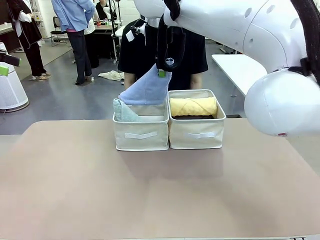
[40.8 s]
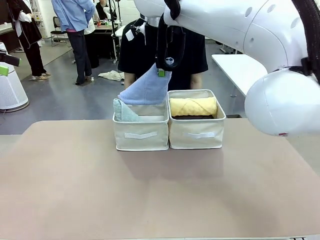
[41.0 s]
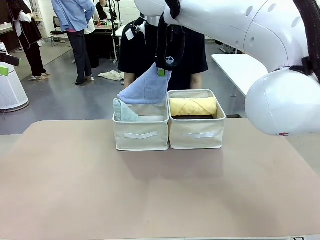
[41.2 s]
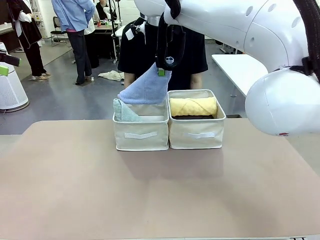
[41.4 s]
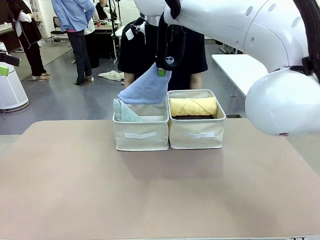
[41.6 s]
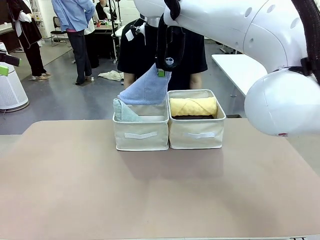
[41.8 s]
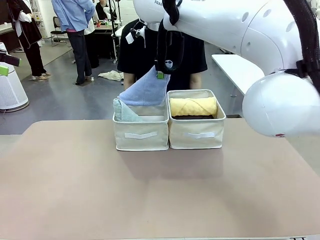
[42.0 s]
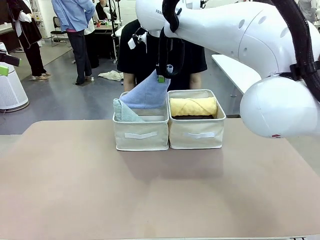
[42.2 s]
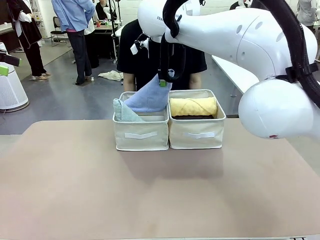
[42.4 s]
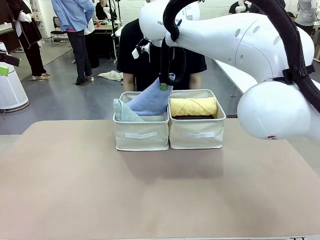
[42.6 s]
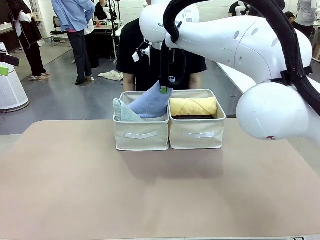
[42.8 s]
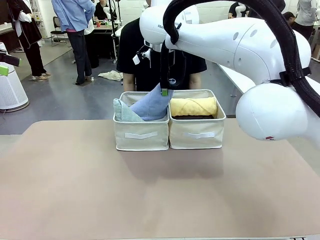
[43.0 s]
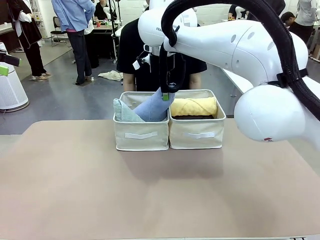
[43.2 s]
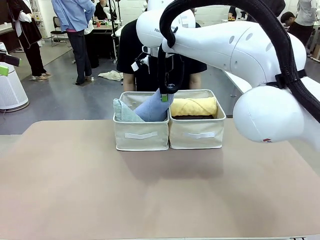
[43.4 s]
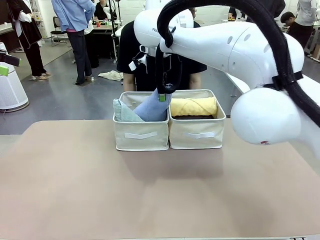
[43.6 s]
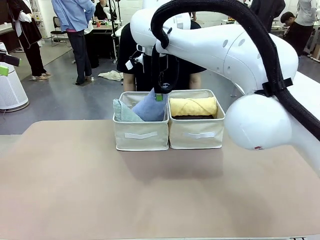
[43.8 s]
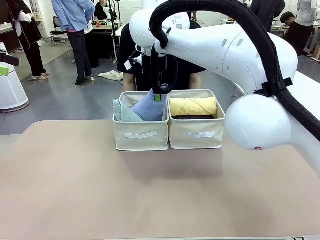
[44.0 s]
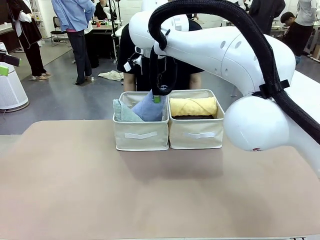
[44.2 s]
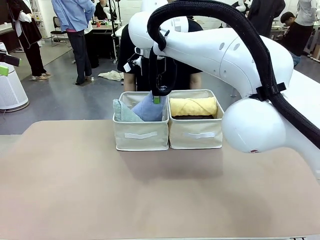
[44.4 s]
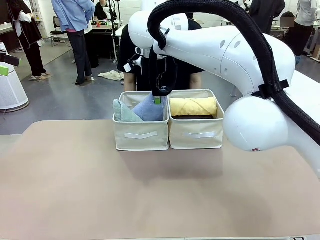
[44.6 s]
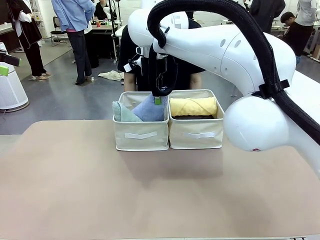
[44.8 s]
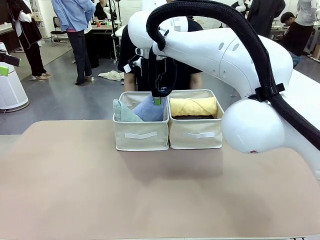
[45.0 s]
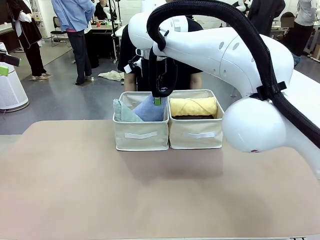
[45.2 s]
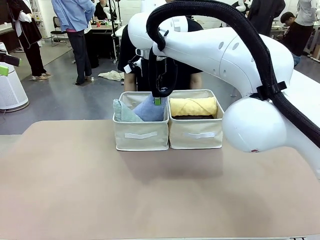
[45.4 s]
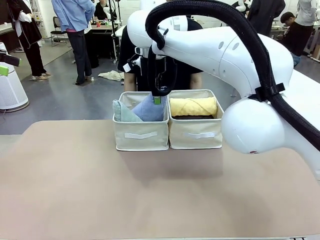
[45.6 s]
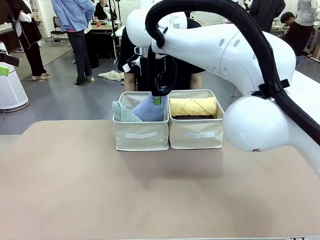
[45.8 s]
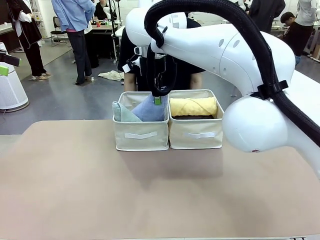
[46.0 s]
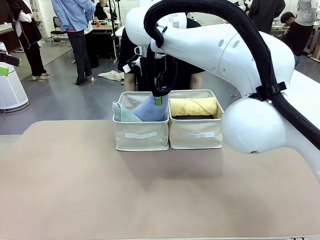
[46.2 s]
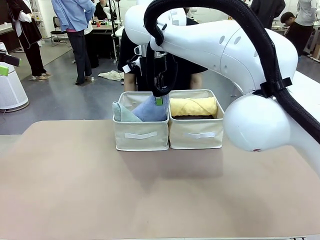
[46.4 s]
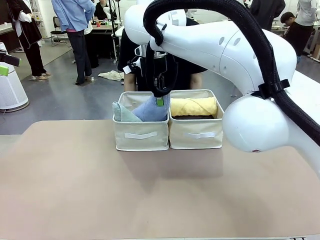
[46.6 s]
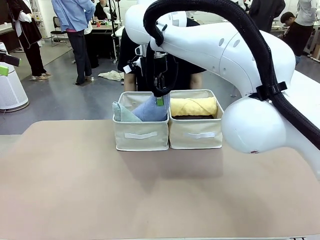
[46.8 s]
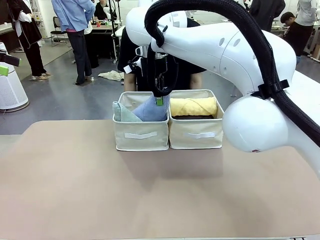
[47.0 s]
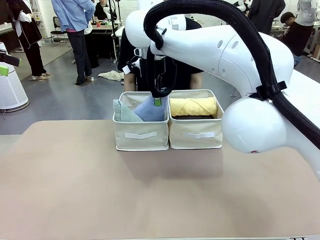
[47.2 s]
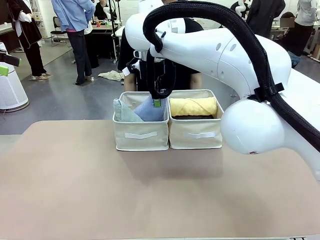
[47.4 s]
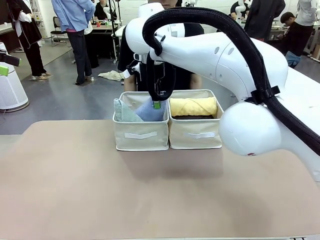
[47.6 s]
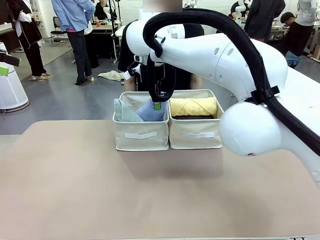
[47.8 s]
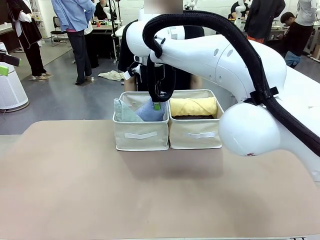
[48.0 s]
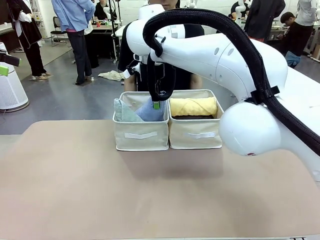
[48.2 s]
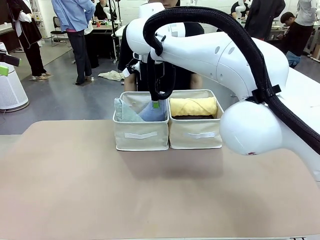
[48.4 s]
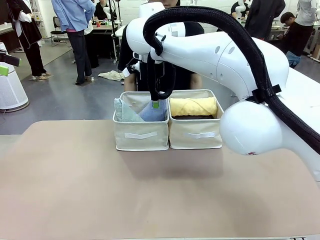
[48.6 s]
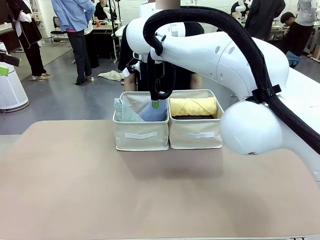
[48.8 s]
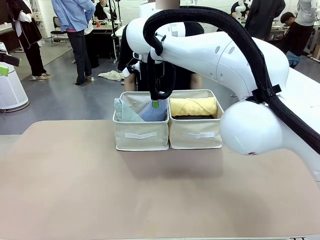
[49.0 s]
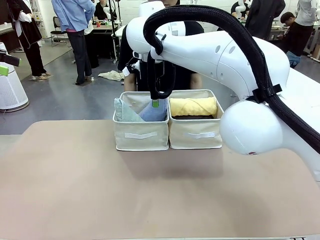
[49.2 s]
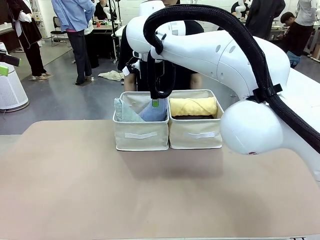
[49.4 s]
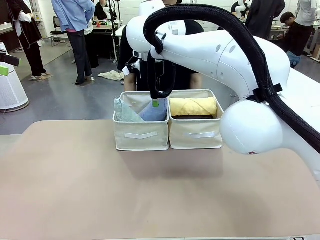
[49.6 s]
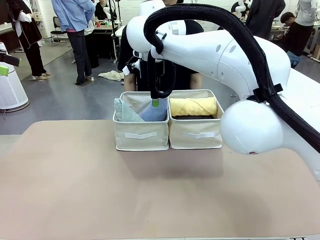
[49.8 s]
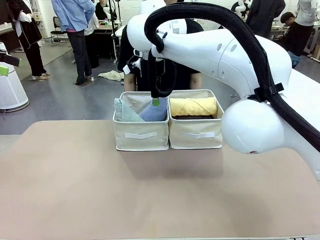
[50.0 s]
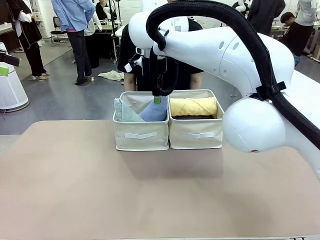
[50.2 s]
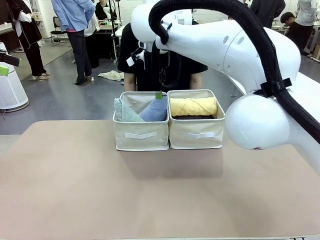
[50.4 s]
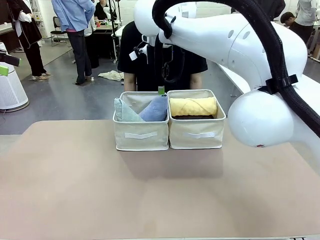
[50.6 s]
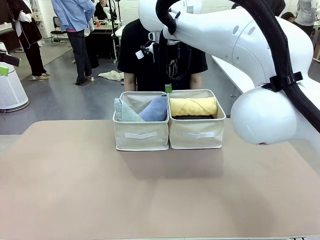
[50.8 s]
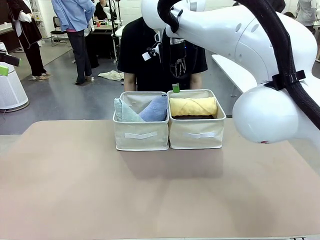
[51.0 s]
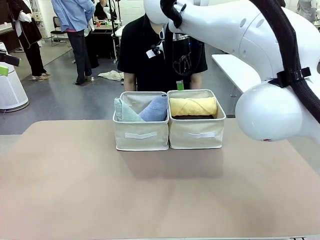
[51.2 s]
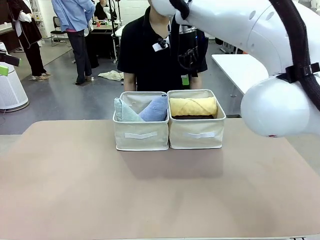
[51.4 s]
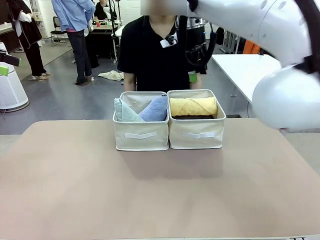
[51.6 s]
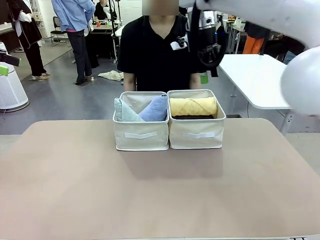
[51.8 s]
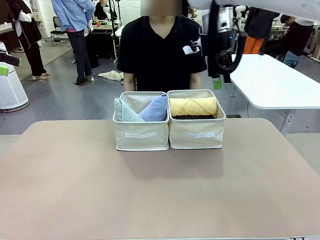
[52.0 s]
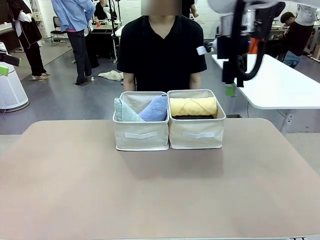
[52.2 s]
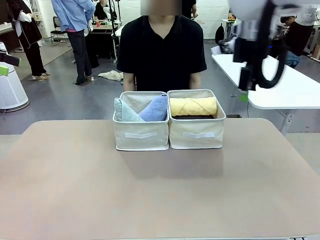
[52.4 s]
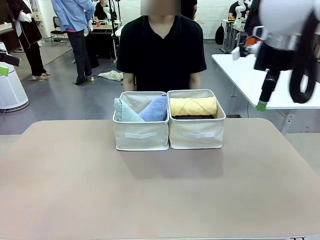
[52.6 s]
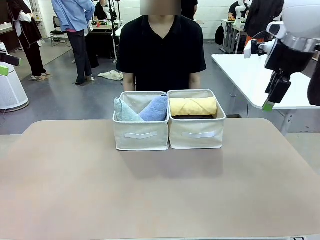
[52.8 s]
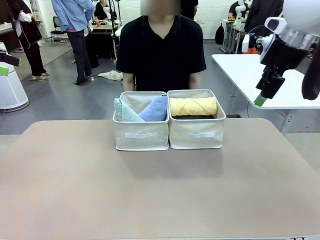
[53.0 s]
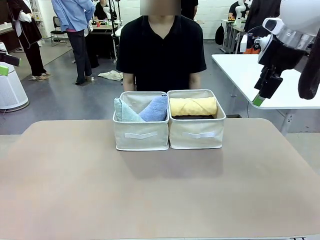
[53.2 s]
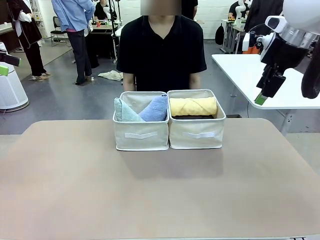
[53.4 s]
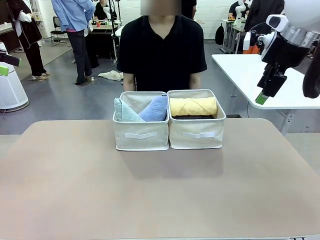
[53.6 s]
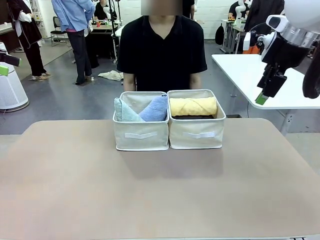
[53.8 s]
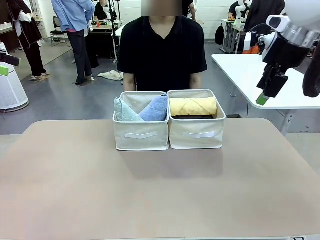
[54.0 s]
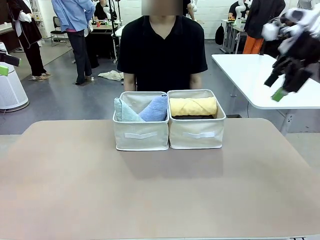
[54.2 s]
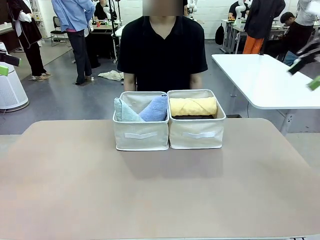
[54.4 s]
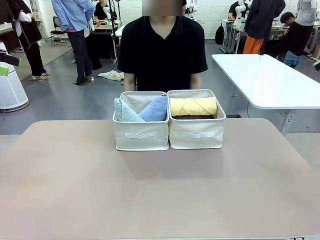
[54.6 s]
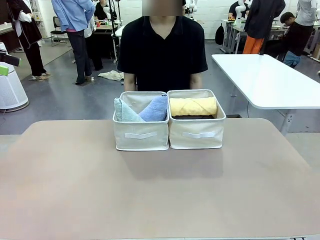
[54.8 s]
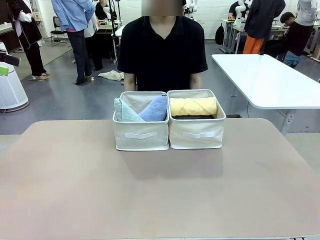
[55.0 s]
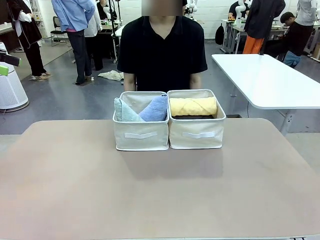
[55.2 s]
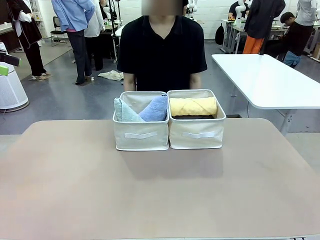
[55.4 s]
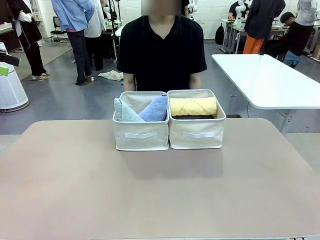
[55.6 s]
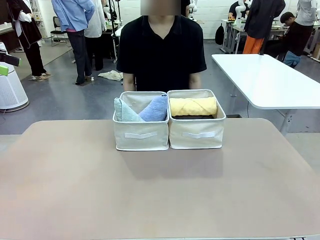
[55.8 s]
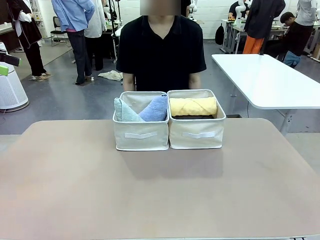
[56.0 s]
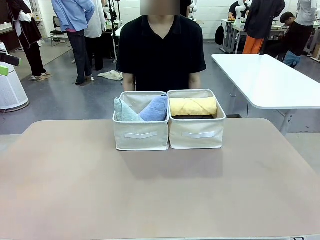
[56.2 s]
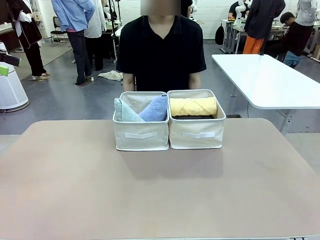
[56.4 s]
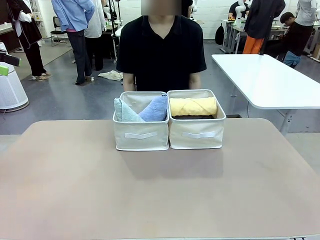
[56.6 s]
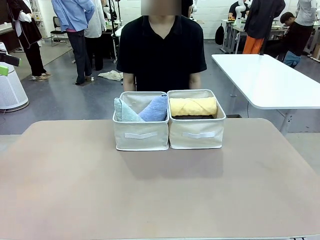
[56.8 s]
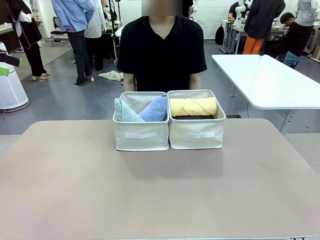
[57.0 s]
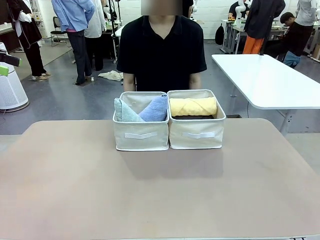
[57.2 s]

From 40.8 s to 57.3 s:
Task: Sort the towels based on their folding style.
Robot: Pick up another triangle-folded towel from the table and place it in the left Fabric basket.
